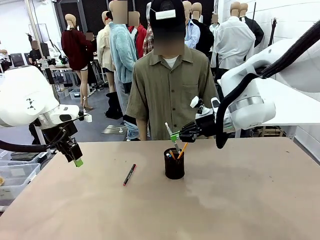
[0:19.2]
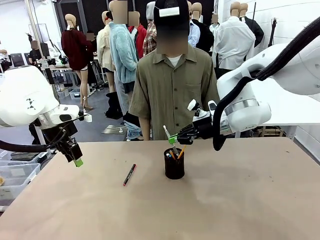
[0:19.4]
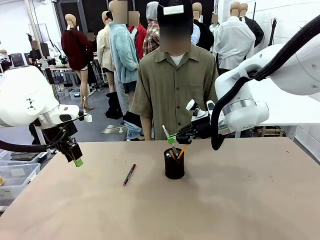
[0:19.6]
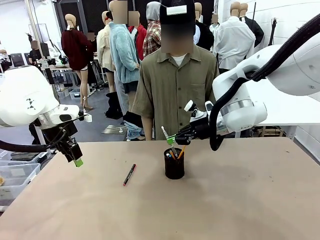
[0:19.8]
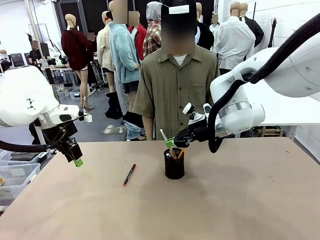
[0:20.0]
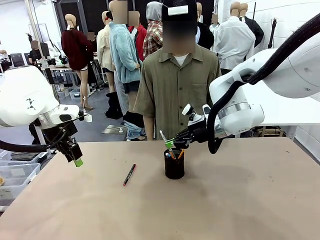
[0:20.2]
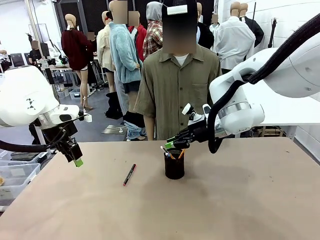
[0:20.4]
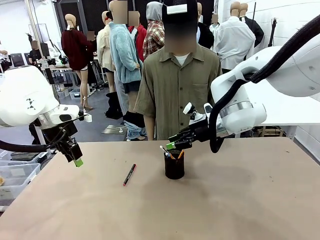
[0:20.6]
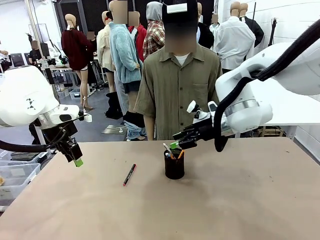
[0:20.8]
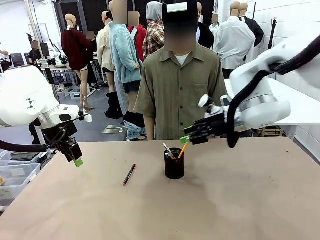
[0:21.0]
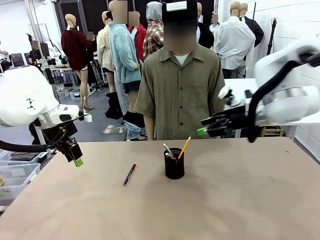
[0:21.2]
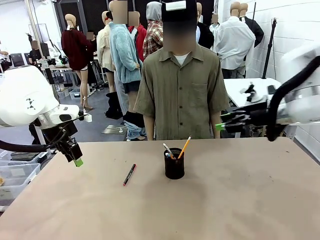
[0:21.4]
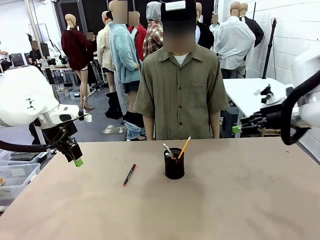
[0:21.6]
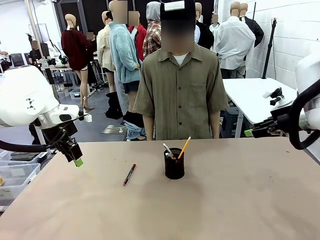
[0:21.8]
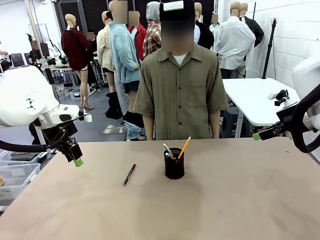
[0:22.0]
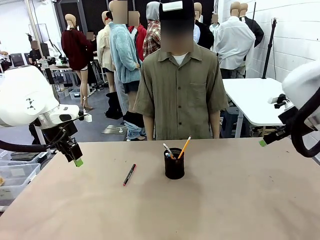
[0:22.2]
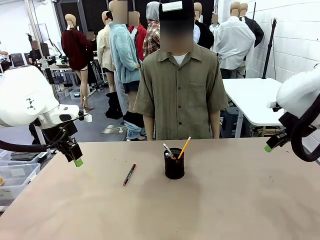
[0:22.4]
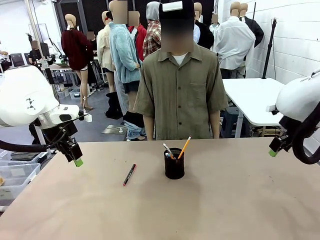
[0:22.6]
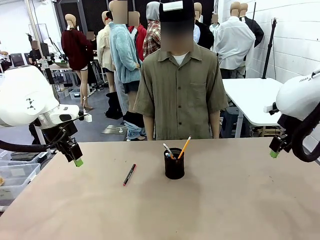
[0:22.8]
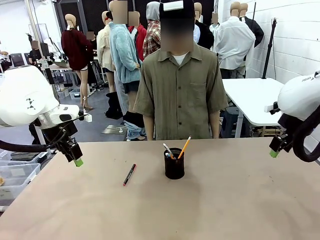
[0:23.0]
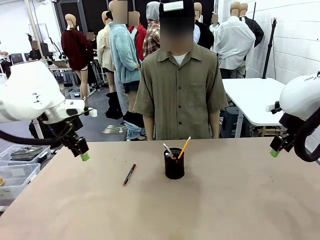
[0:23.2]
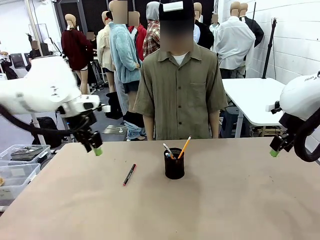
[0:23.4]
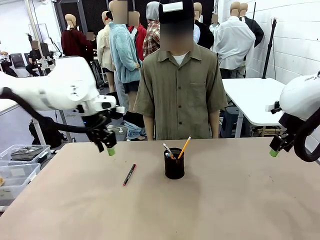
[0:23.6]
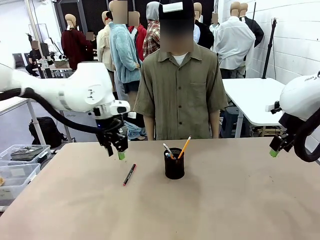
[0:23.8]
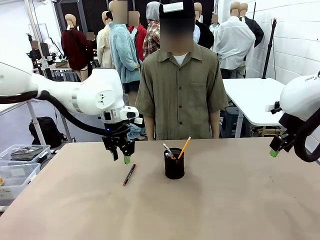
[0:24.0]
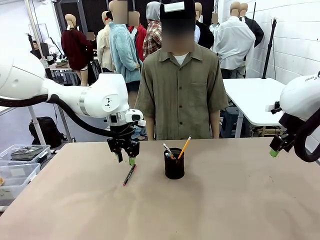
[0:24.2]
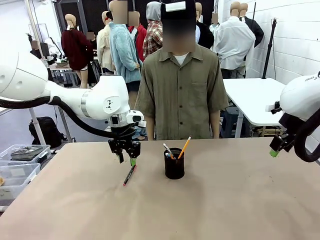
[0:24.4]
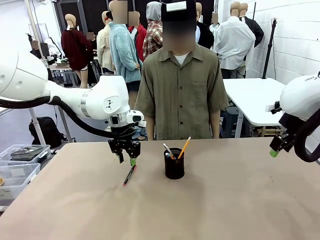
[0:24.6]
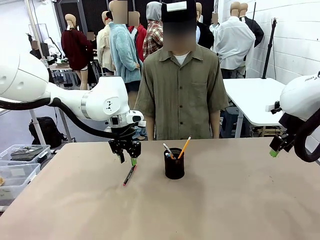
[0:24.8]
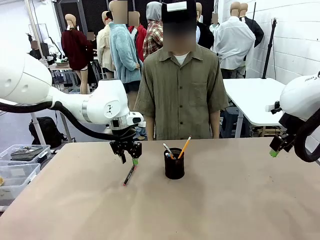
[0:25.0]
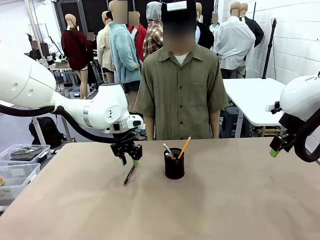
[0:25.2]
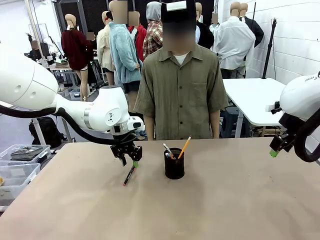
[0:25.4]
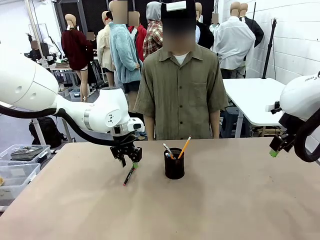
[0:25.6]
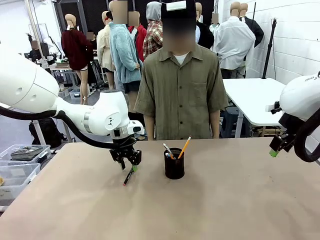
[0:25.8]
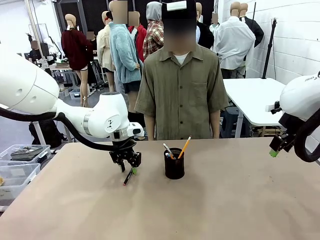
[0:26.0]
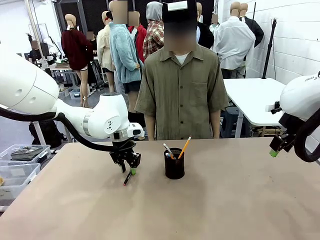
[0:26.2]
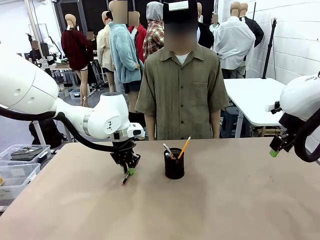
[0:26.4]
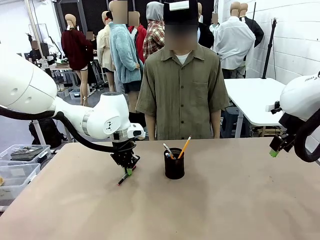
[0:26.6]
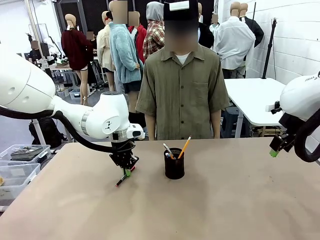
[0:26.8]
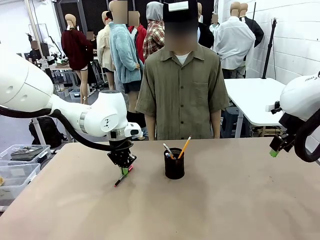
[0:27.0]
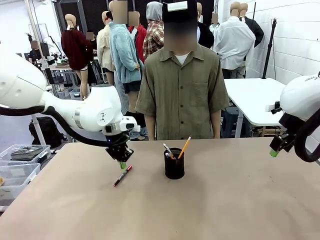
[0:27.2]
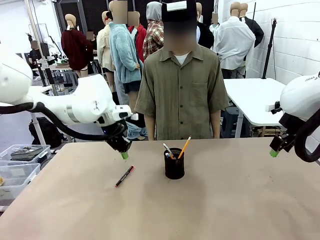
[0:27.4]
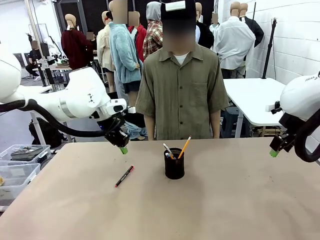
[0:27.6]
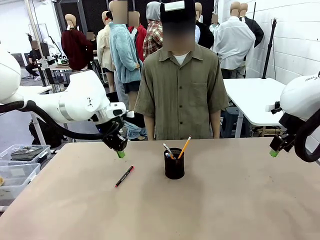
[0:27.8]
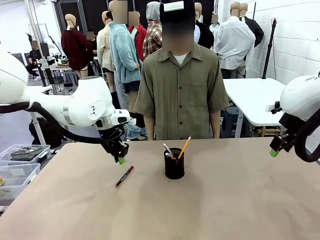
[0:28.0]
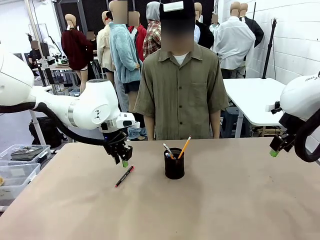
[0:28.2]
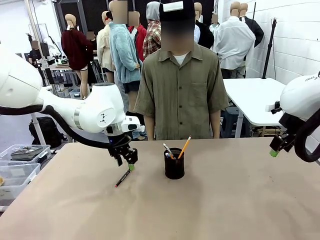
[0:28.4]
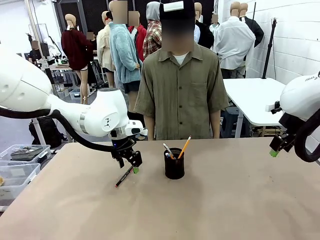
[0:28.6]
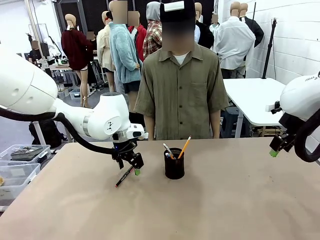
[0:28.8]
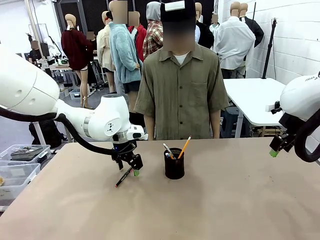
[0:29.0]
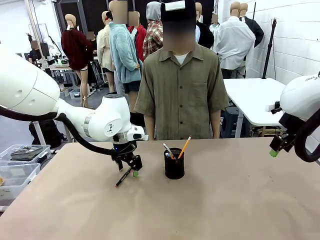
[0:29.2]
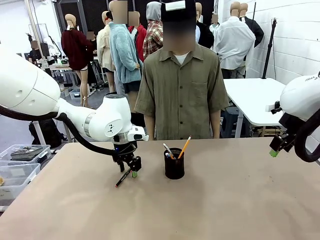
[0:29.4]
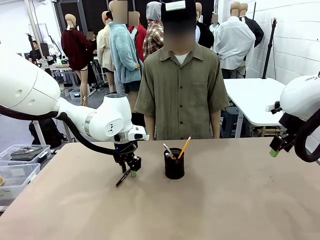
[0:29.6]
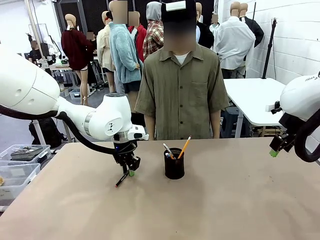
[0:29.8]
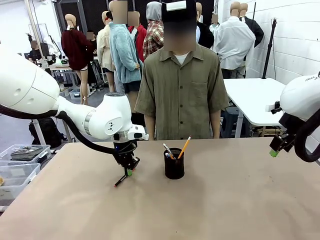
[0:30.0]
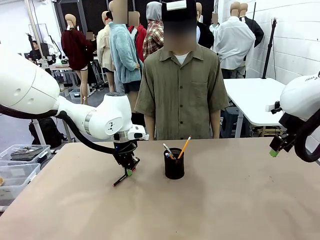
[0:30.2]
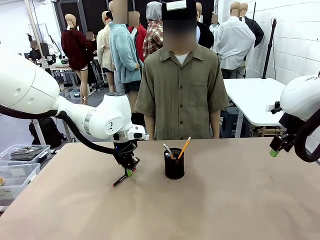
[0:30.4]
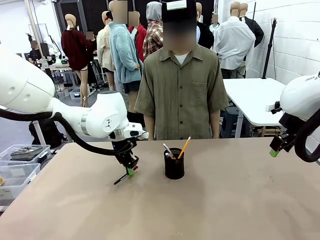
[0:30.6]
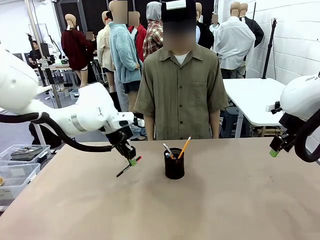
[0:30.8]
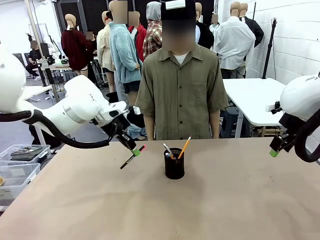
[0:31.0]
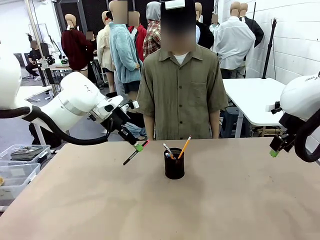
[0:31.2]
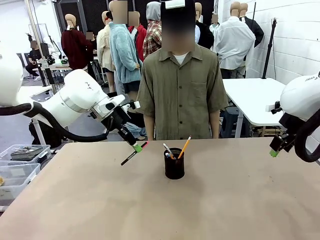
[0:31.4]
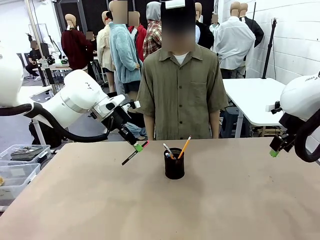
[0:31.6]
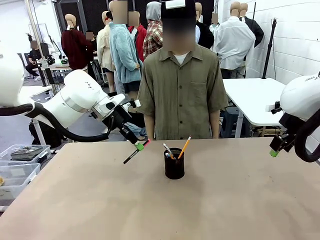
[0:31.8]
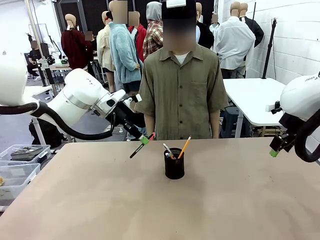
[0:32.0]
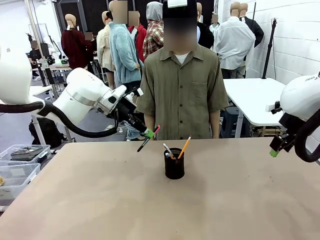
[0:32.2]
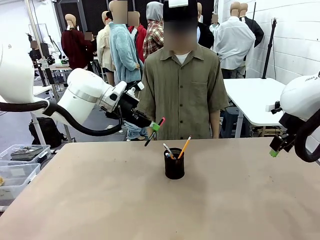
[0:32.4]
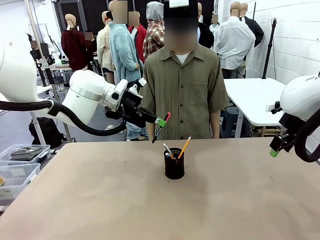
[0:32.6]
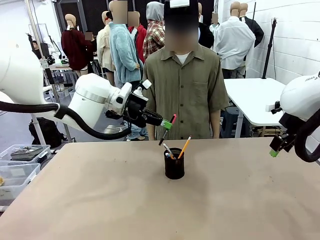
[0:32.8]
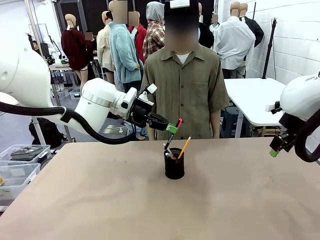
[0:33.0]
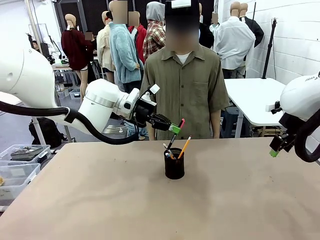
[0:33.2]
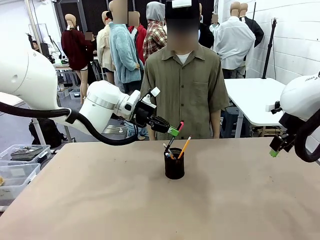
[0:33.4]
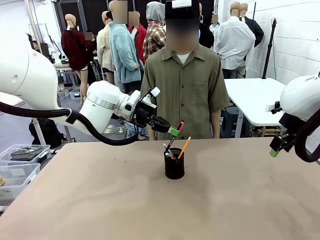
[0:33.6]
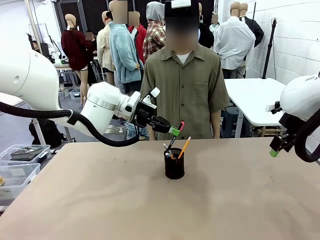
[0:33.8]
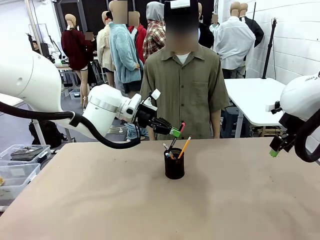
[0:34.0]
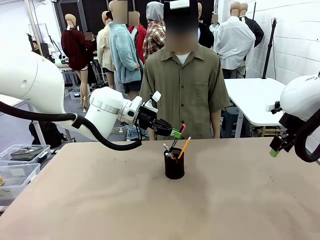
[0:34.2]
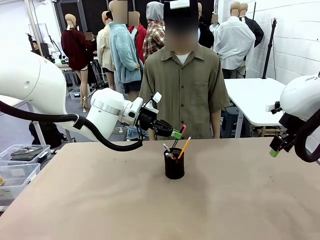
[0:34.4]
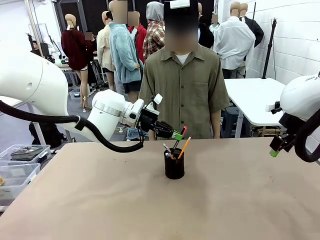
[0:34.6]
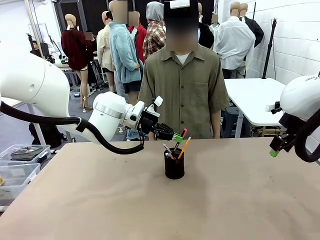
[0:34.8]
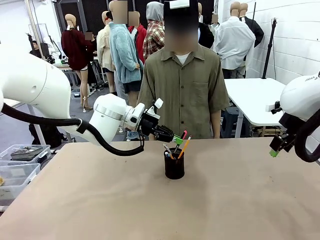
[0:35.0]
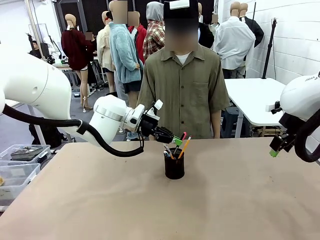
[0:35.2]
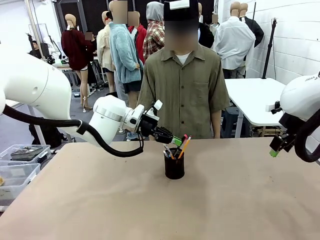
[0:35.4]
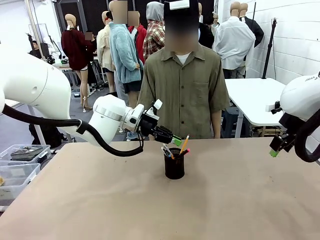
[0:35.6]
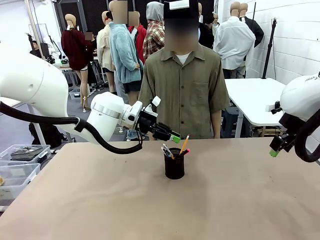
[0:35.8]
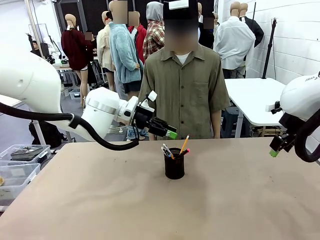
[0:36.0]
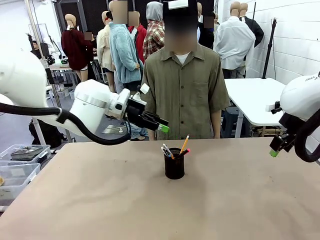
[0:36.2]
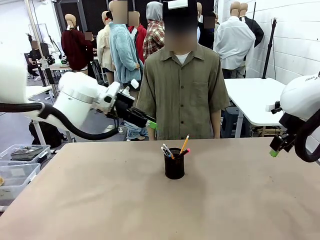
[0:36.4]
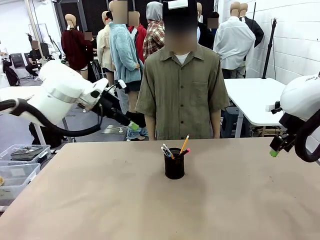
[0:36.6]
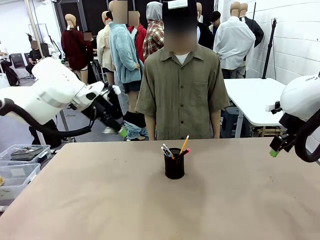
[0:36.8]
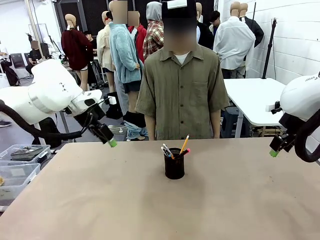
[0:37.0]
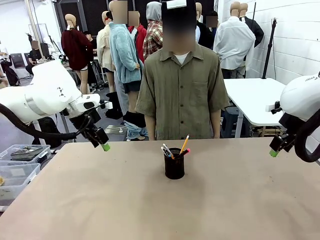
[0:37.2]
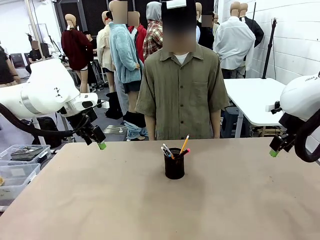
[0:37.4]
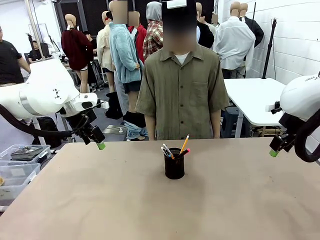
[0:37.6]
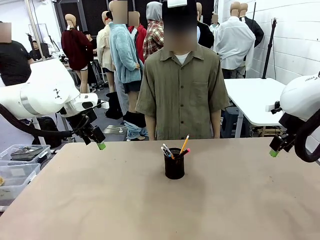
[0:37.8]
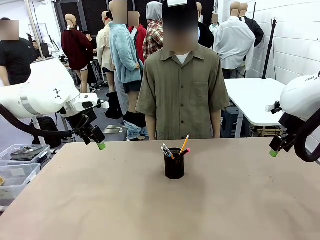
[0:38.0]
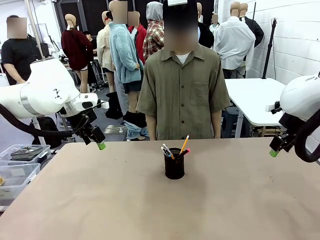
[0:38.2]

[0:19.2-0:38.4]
Task: Place the pens into the pen holder.
Robot: Pick up a writing instrument from the table and place it into the Pen holder.
Person: Place all writing instrument into the Pen holder.
